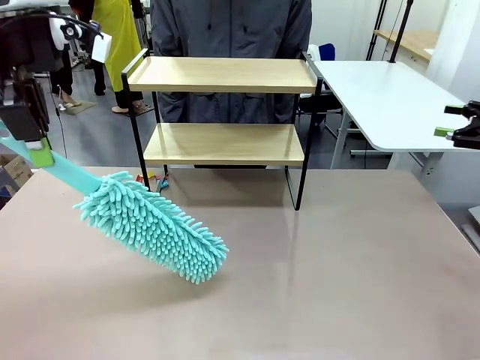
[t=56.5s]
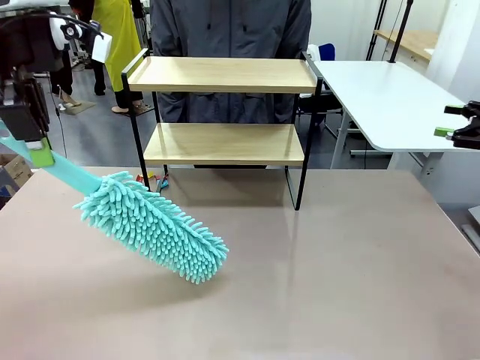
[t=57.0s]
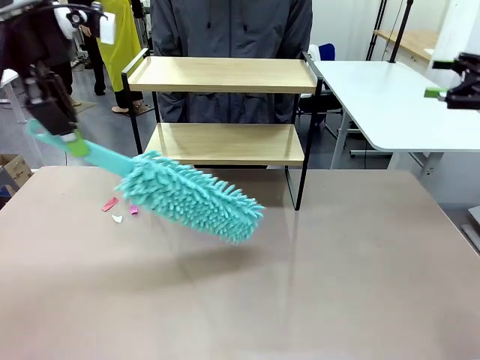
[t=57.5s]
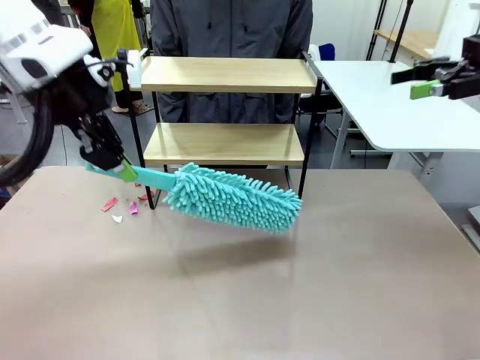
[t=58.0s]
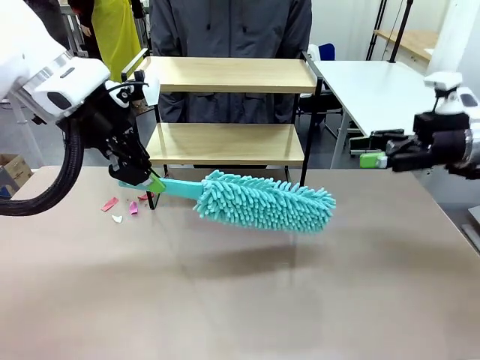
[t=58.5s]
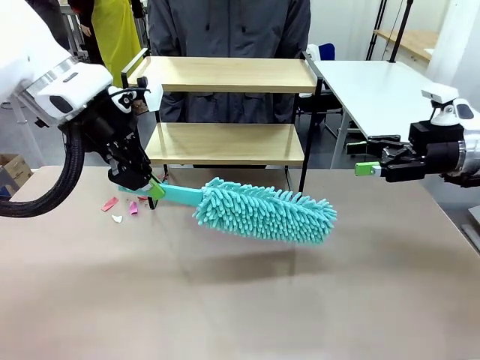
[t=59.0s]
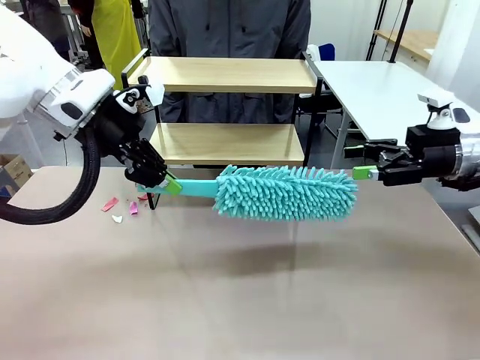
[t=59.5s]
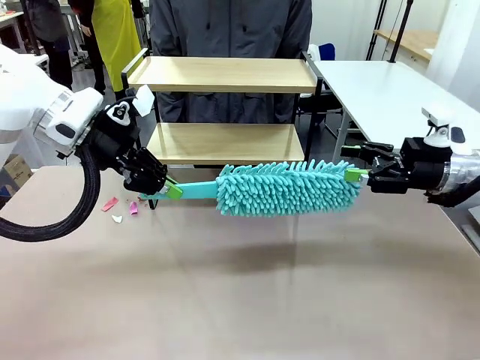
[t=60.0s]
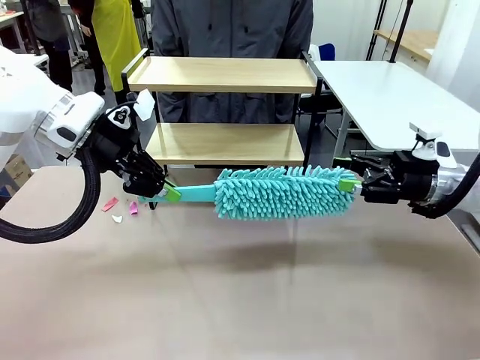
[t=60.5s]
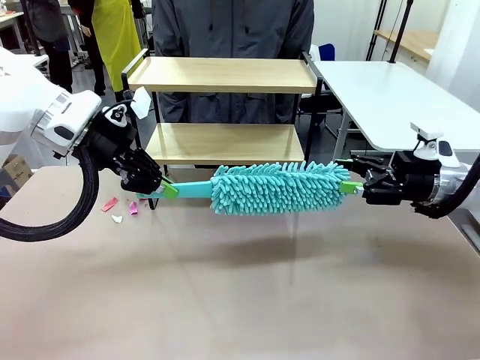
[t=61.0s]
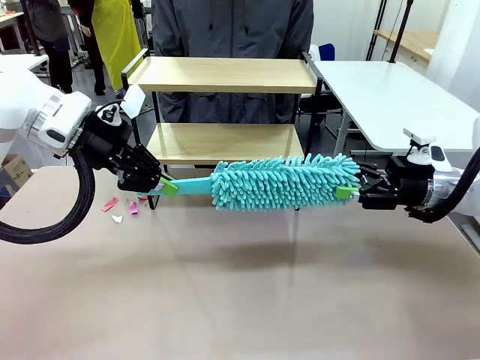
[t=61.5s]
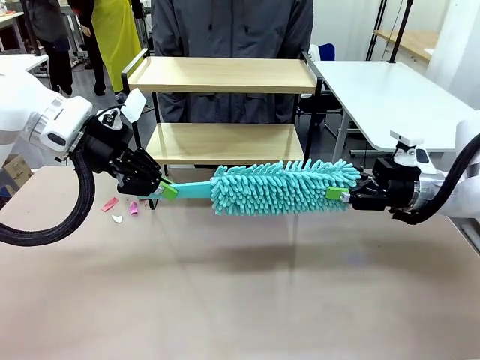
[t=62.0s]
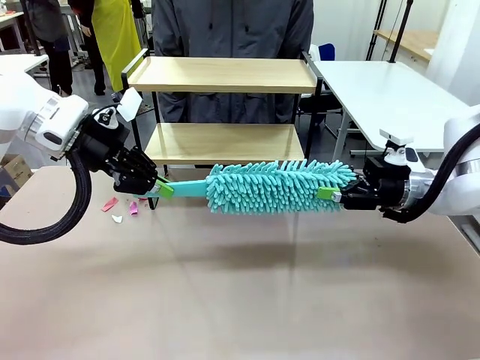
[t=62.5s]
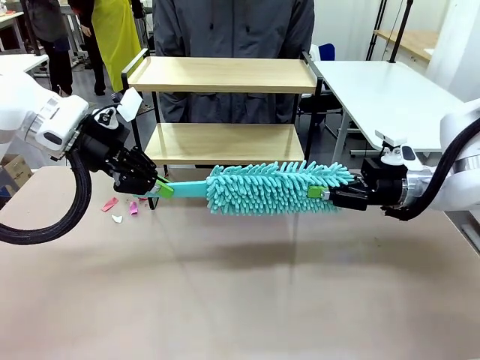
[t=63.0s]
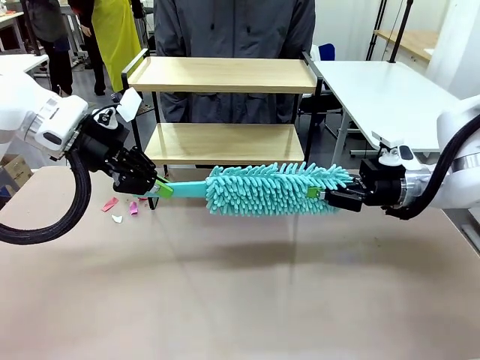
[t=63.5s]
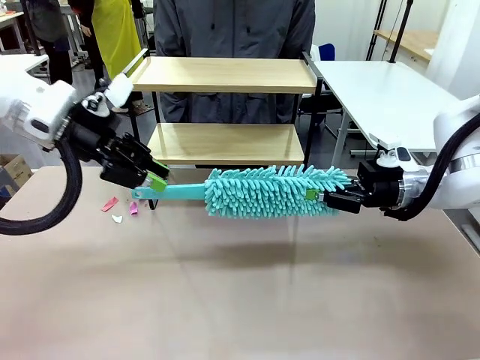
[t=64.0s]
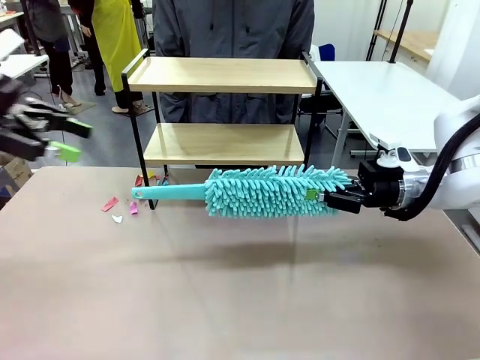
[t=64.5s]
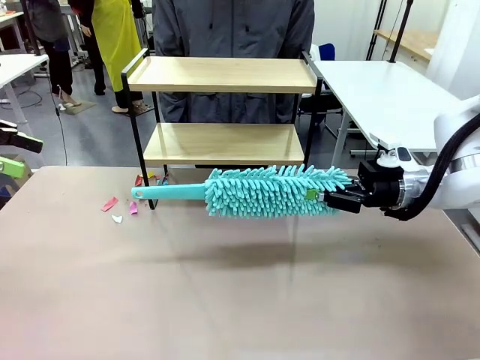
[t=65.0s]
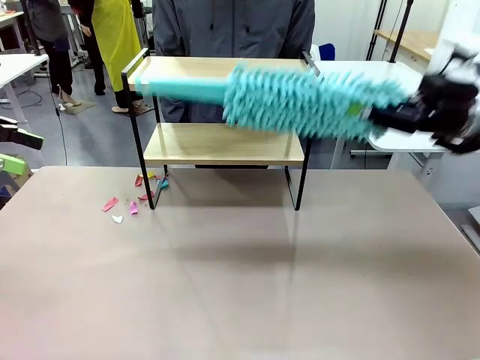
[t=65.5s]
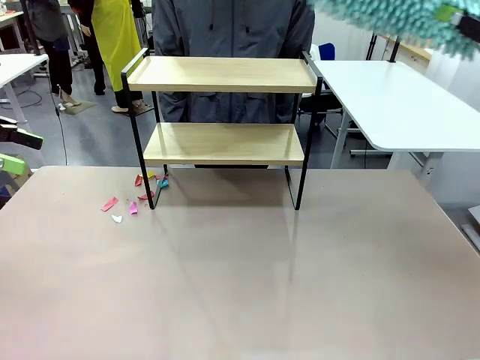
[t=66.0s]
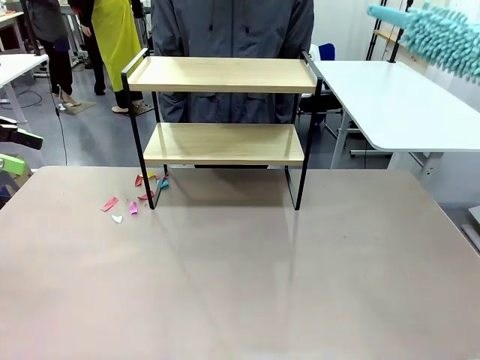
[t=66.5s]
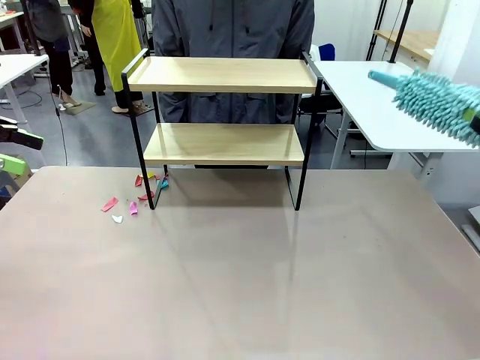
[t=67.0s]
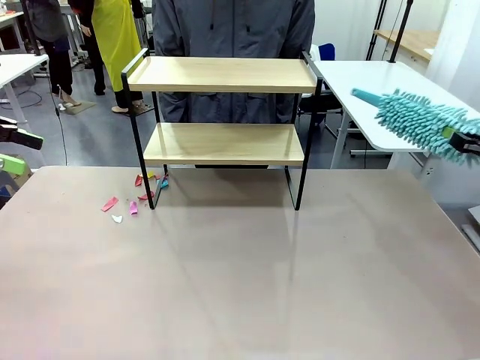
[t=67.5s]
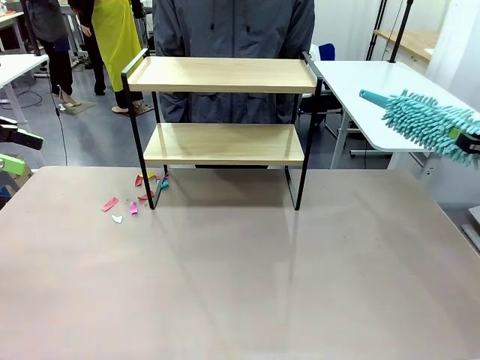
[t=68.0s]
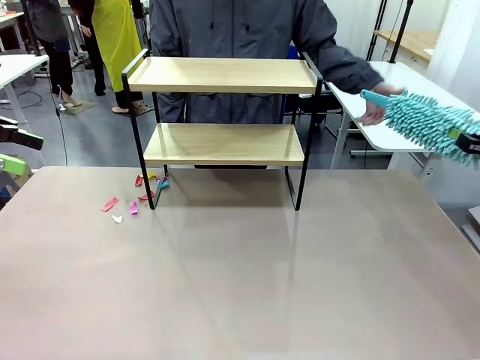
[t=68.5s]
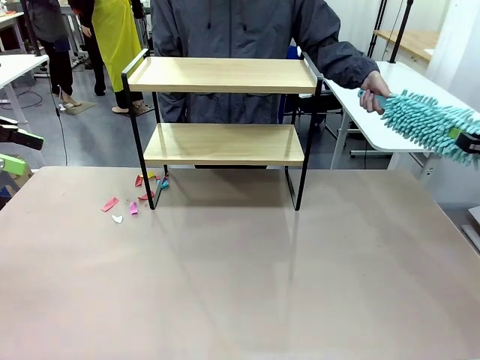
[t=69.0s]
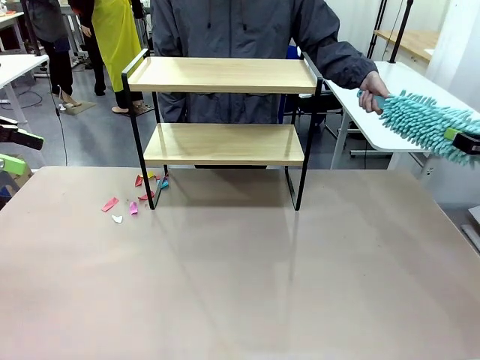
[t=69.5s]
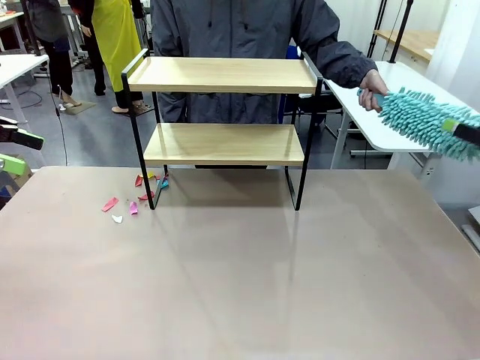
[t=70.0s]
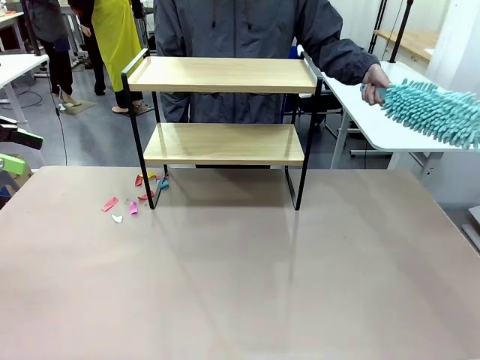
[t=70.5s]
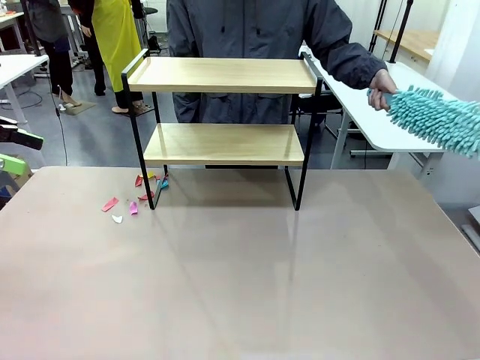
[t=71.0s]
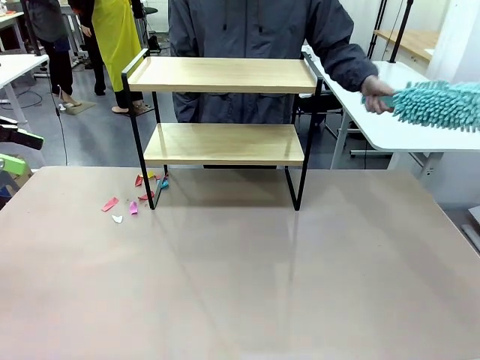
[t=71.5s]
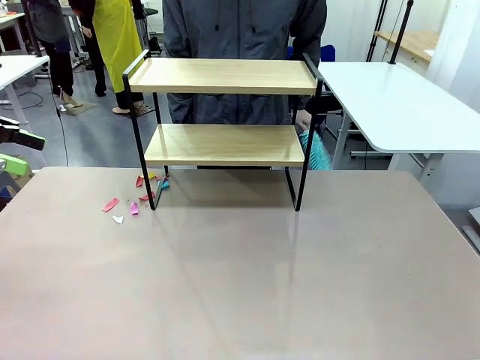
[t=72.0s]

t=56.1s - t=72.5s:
Task: Clean the shelf.
Robot: Hand the Duster back to the human.
Person: Receive the Duster from the robot.

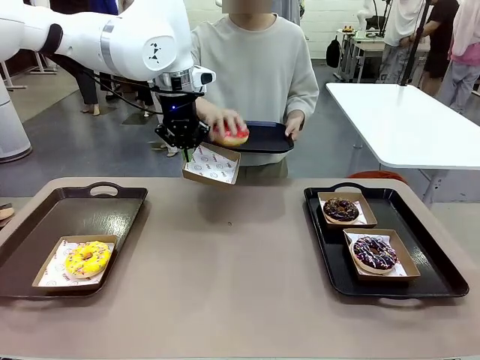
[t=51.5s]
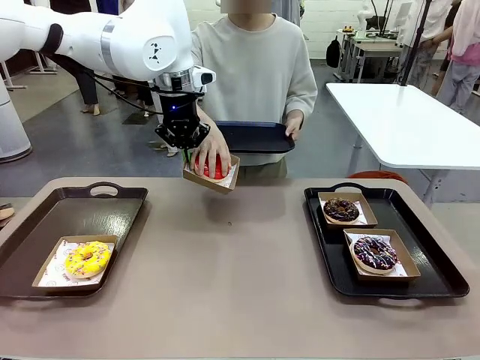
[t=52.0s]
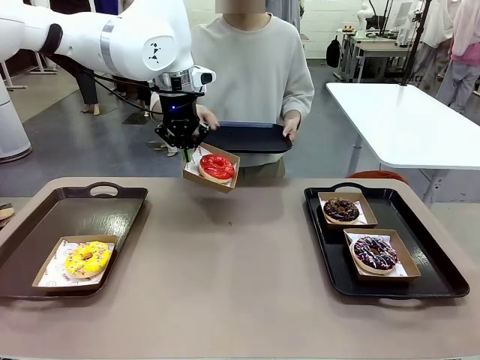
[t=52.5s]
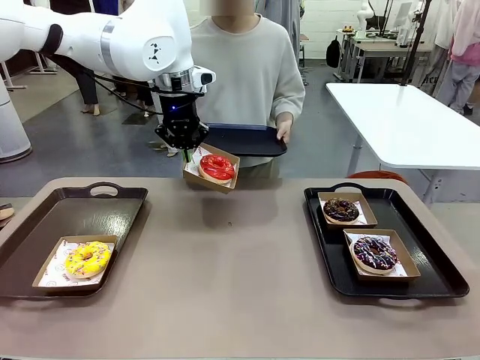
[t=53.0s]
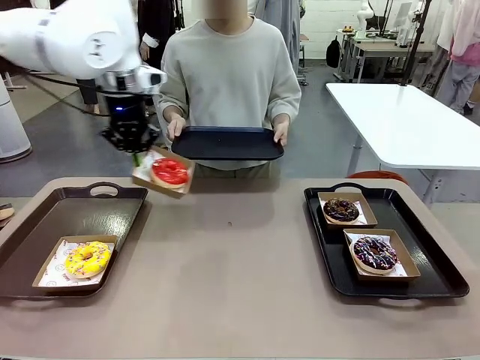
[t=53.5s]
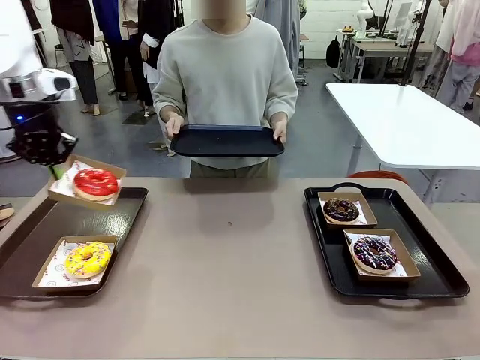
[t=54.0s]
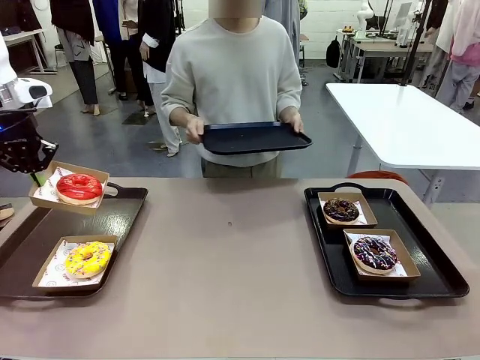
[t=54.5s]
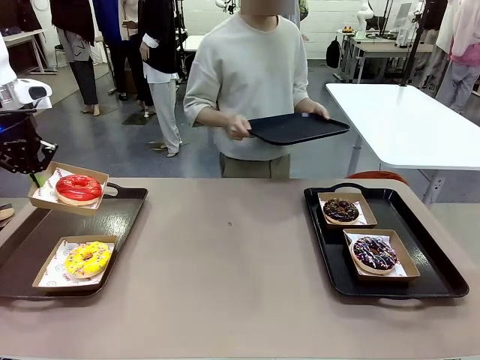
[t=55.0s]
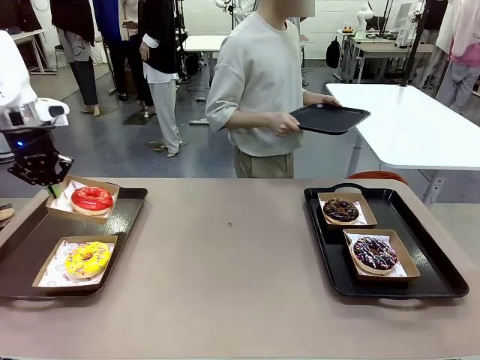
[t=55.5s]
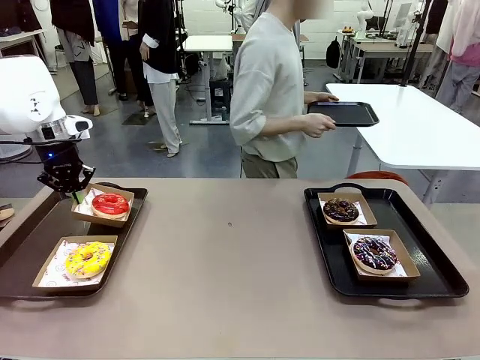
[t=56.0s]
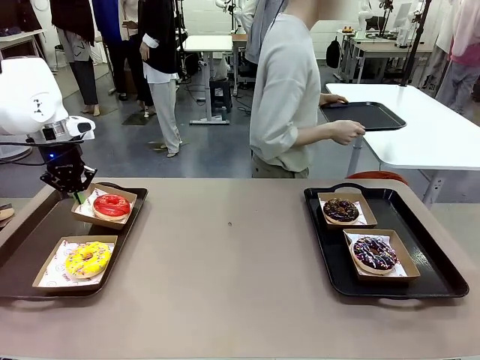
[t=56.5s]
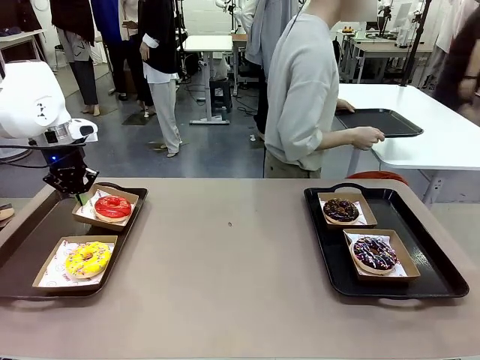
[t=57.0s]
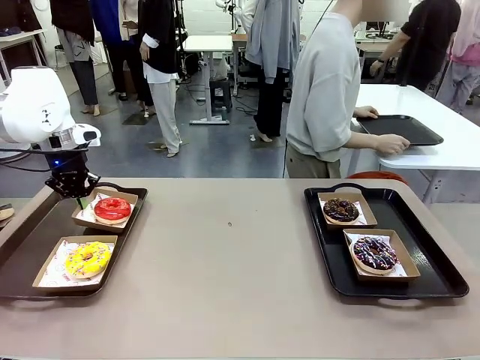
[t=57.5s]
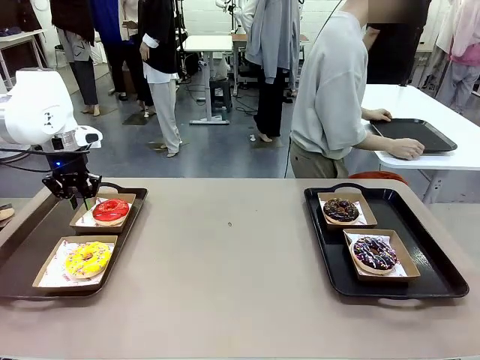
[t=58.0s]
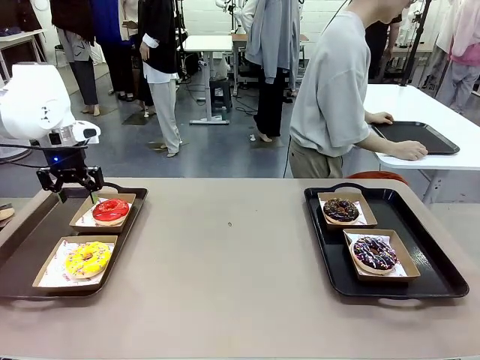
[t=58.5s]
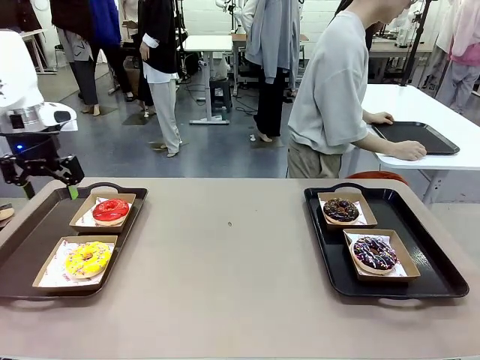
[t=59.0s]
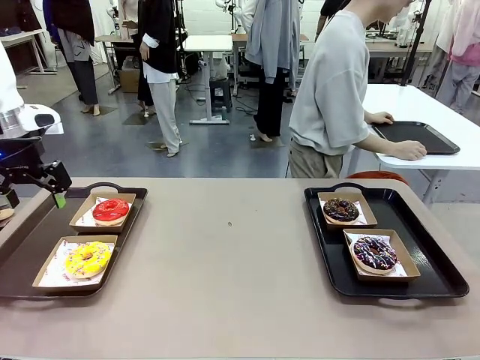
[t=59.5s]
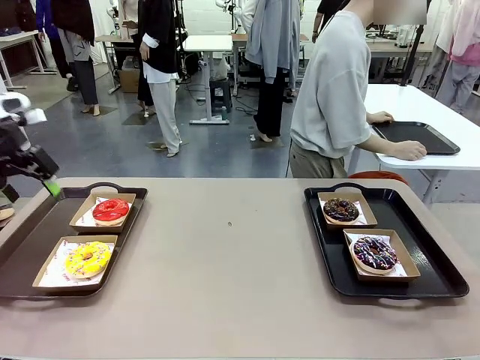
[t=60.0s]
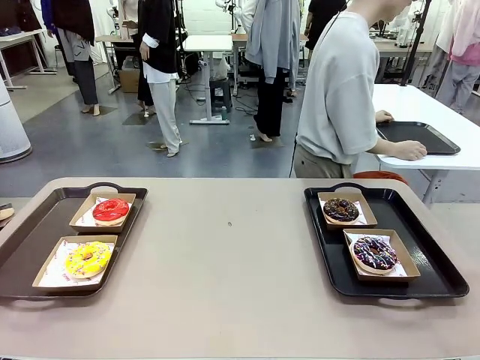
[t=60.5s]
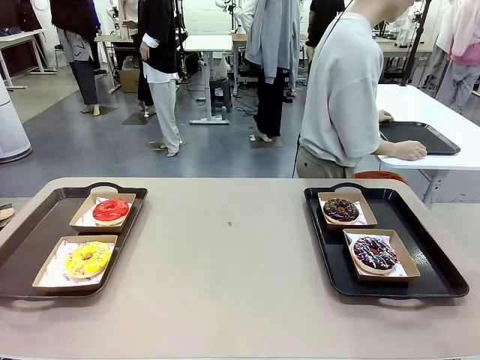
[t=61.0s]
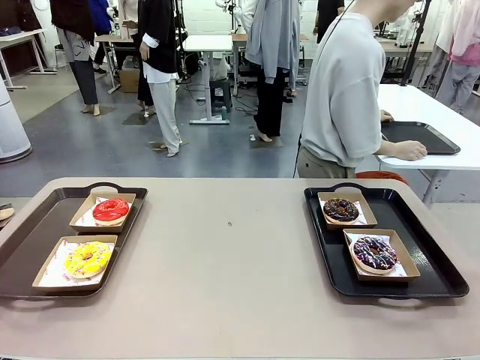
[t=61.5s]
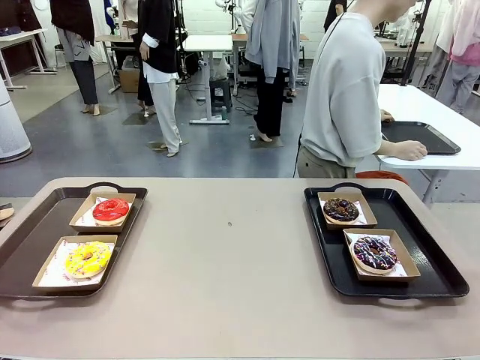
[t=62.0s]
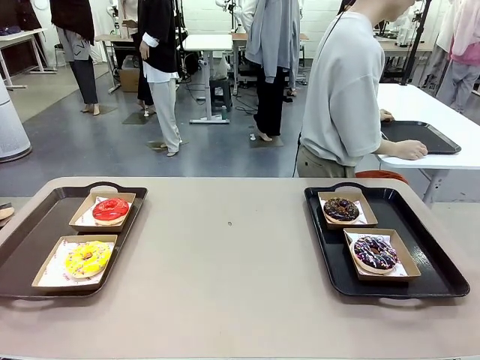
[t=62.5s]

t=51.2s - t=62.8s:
Task: Individually package the donuts and arrange them on the tray.
Robot: Place the picked Paper togo box on the Handle tray.
Person: Place the tray down in the middle of the human table.
